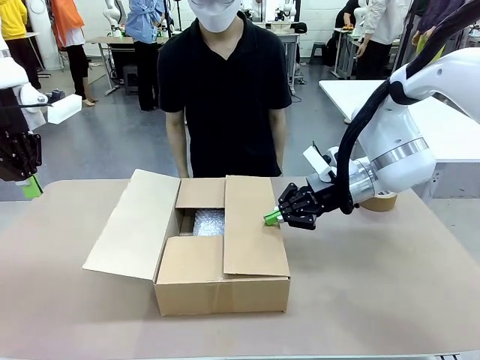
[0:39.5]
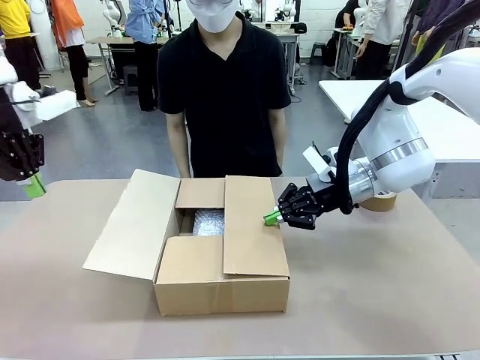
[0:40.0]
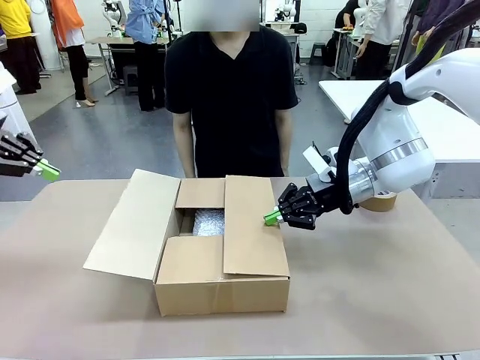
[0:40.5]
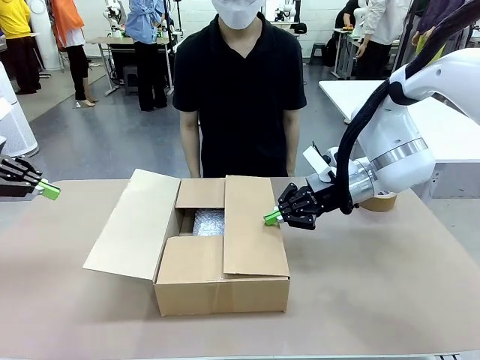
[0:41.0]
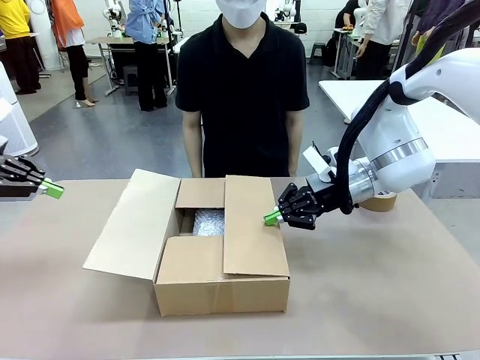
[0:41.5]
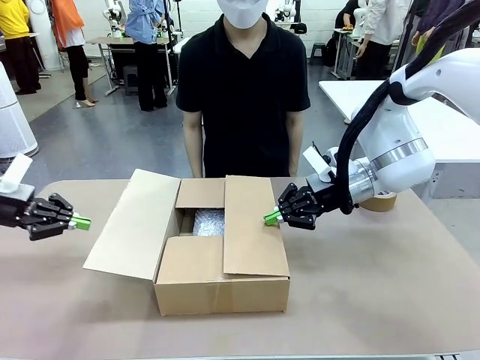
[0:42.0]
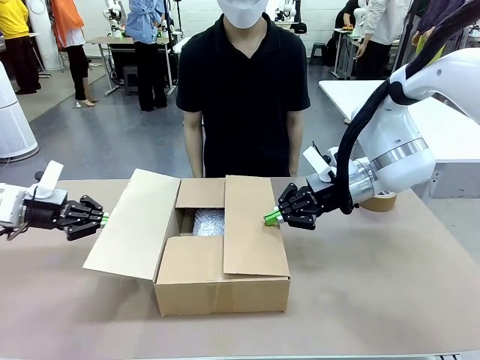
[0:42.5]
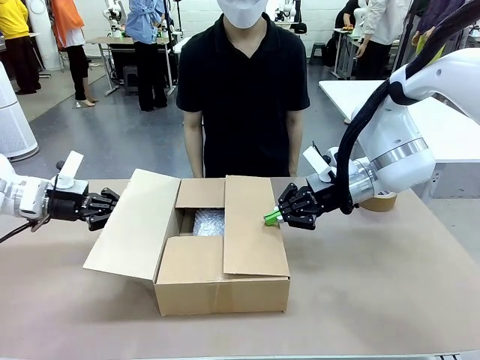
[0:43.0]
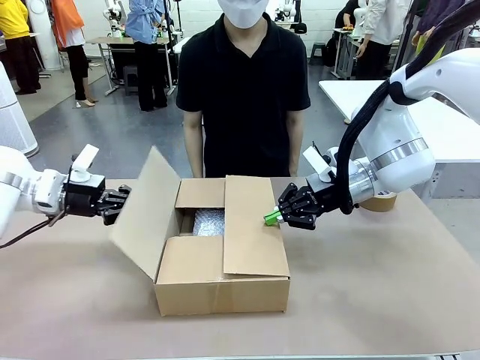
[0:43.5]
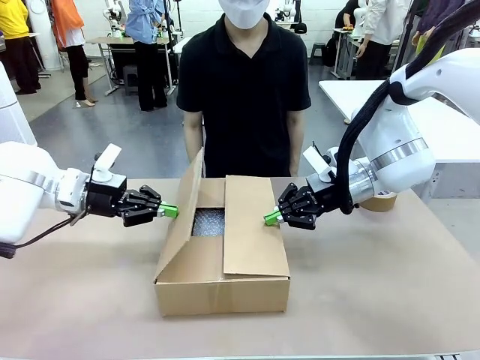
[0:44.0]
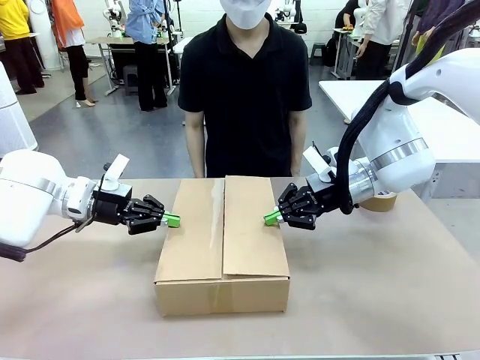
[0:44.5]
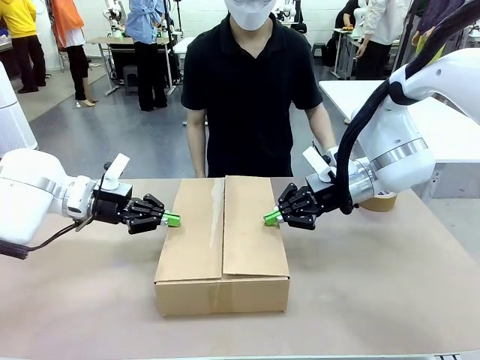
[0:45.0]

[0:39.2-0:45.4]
Task: Wrap the clocks to prevent damage.
Robot: Push the left (or right) flap of the Package Box to close it.

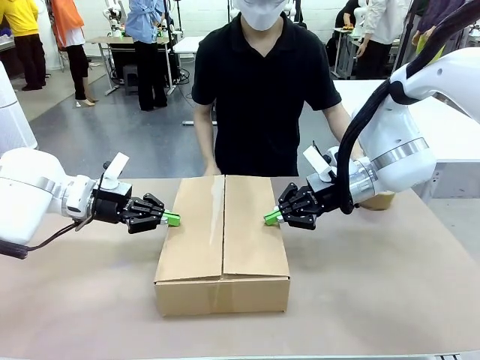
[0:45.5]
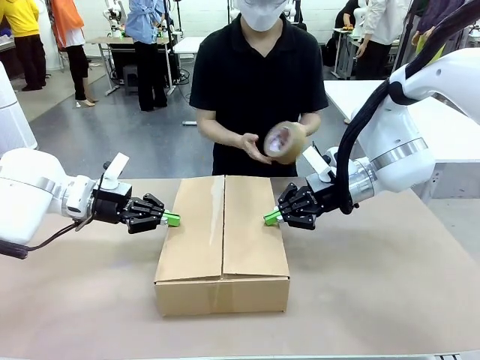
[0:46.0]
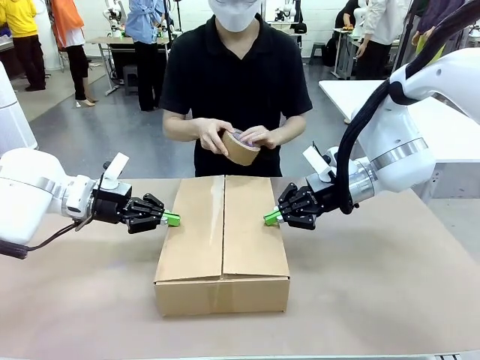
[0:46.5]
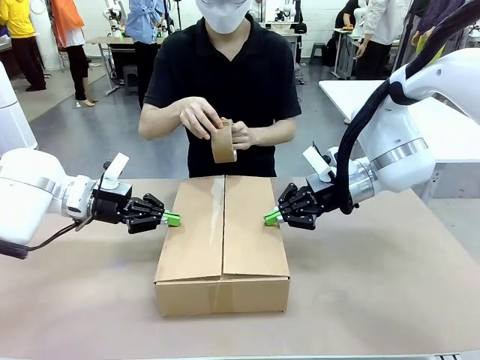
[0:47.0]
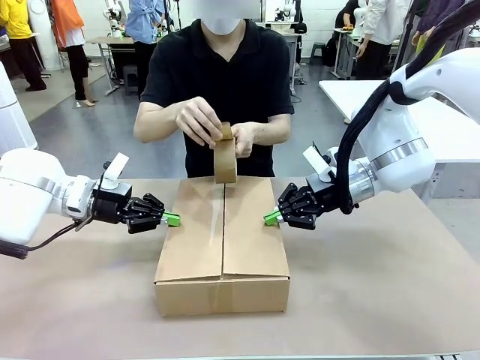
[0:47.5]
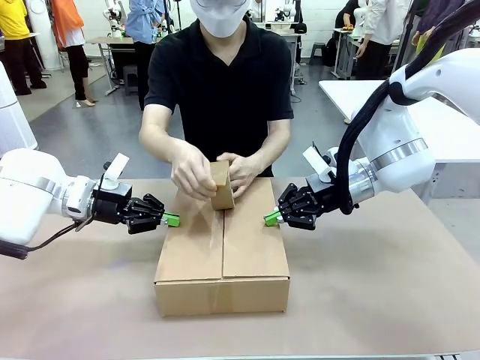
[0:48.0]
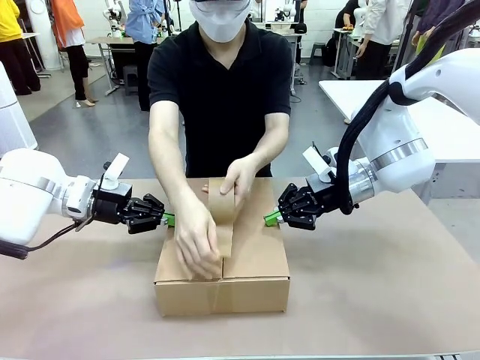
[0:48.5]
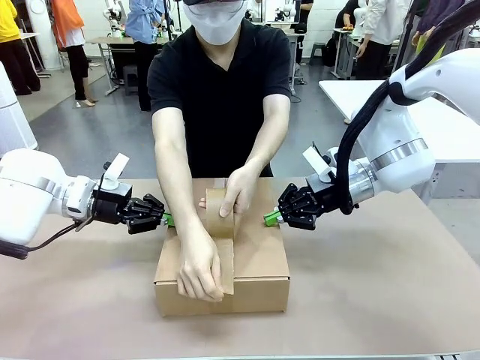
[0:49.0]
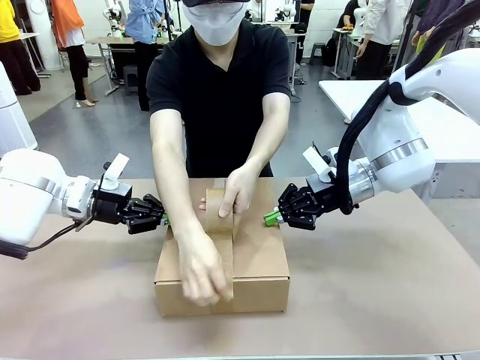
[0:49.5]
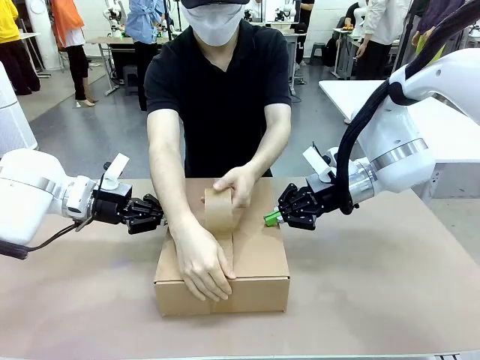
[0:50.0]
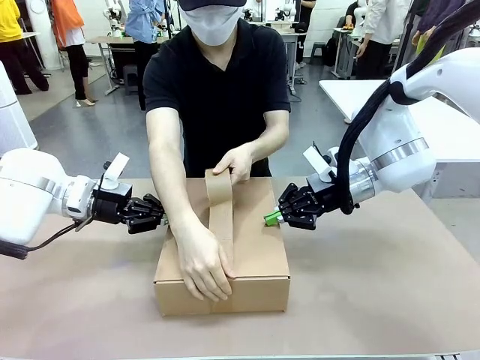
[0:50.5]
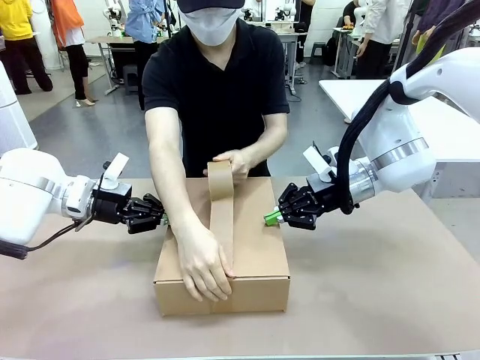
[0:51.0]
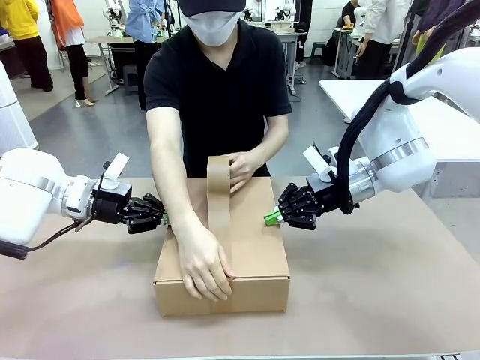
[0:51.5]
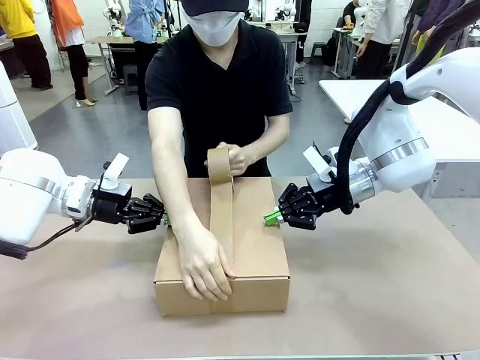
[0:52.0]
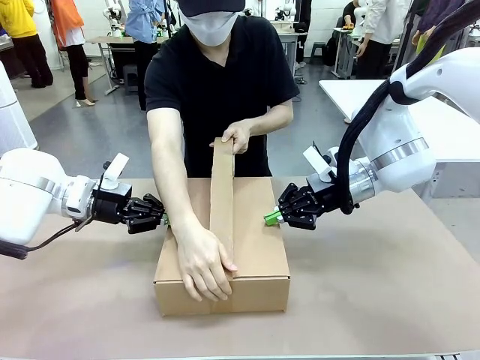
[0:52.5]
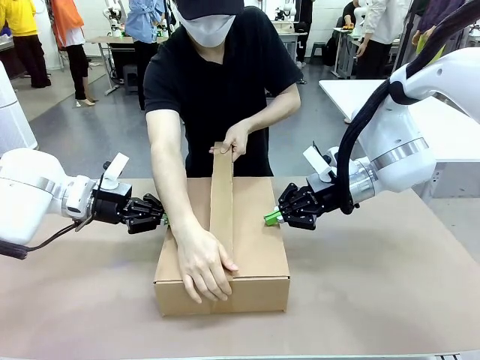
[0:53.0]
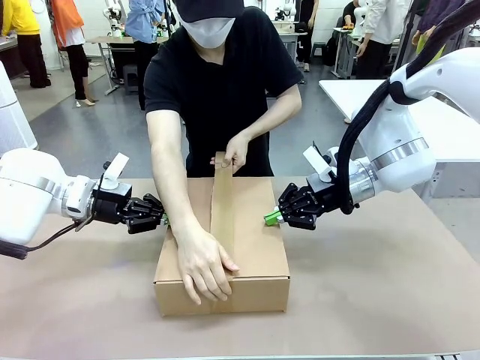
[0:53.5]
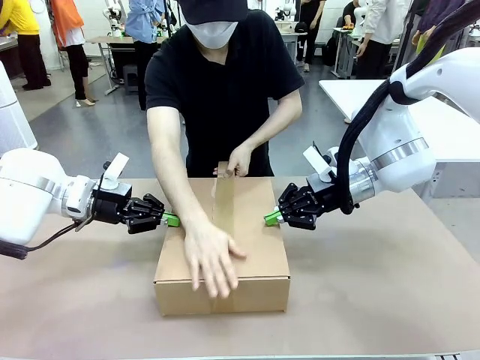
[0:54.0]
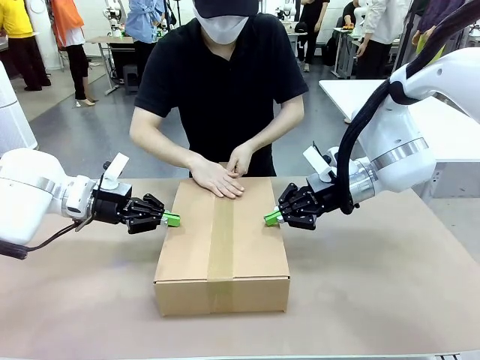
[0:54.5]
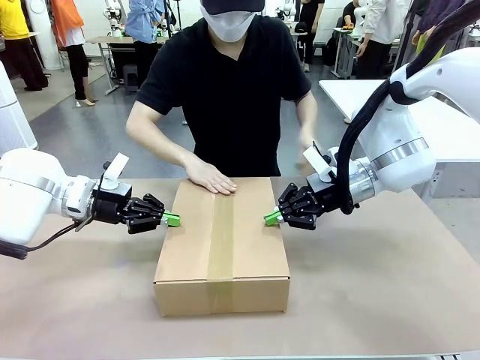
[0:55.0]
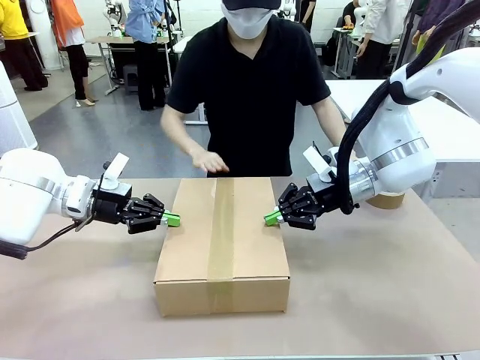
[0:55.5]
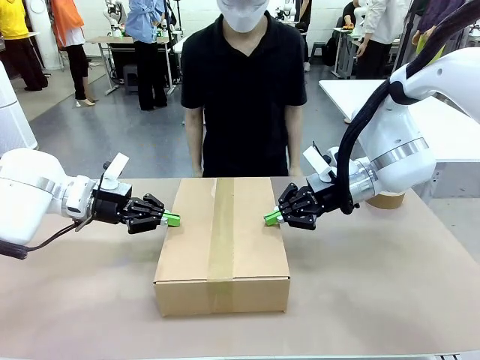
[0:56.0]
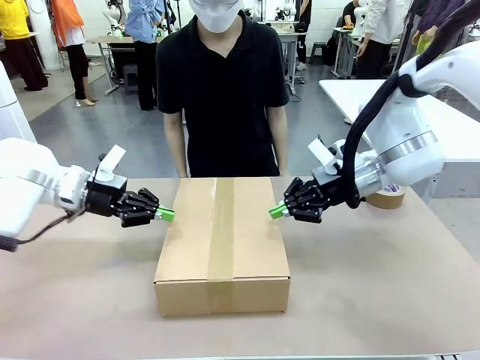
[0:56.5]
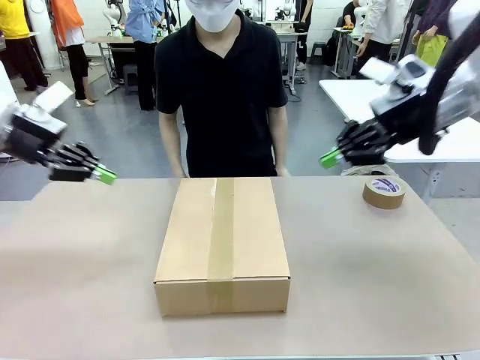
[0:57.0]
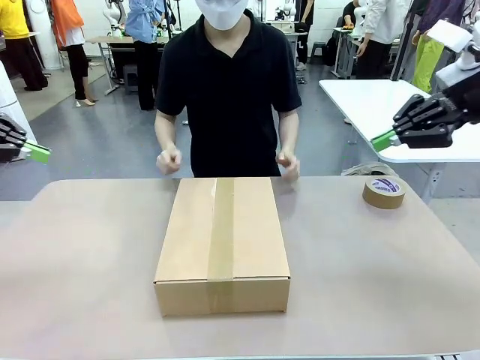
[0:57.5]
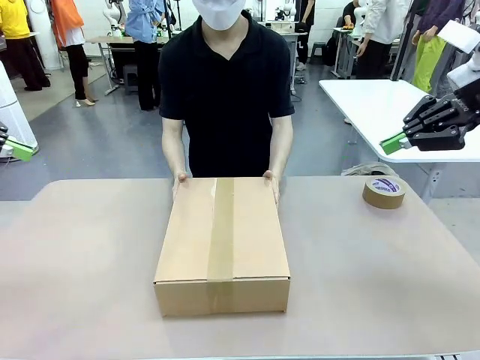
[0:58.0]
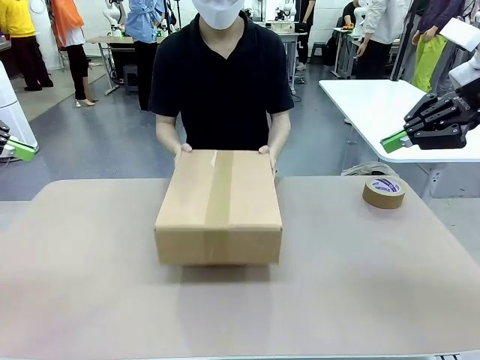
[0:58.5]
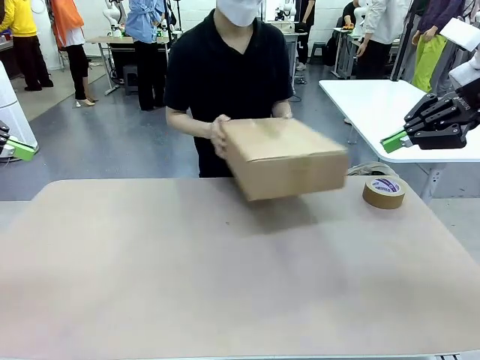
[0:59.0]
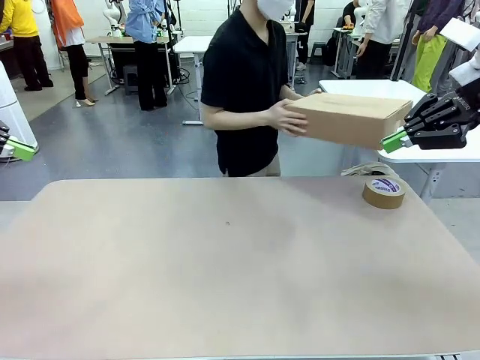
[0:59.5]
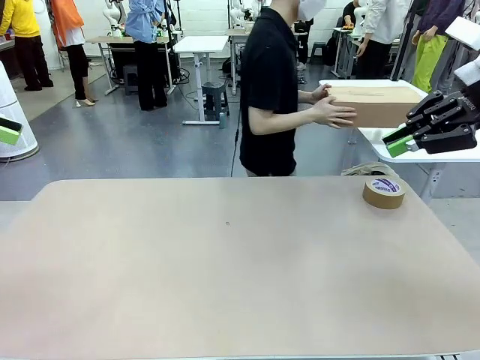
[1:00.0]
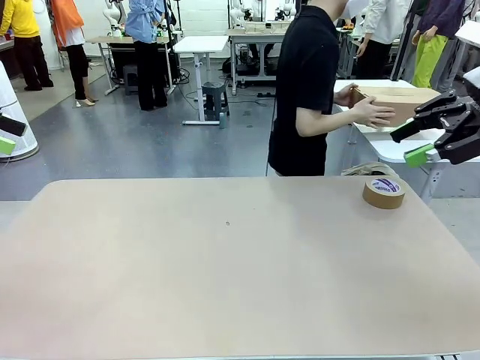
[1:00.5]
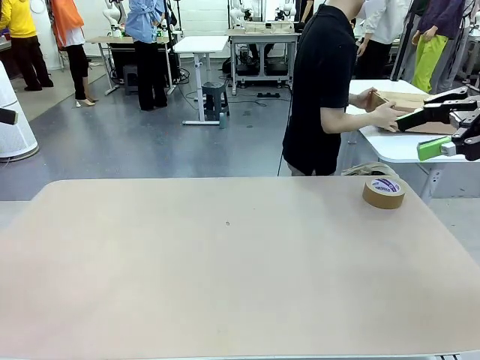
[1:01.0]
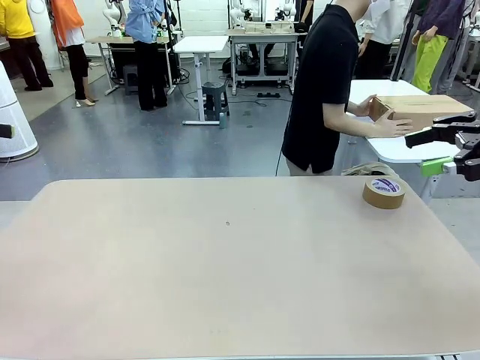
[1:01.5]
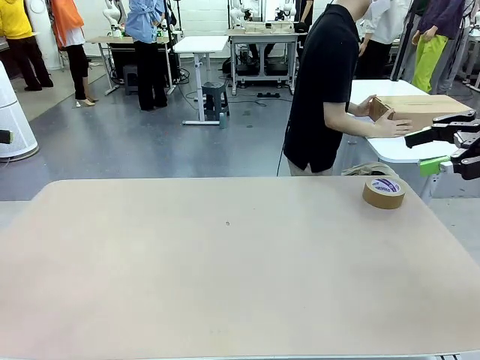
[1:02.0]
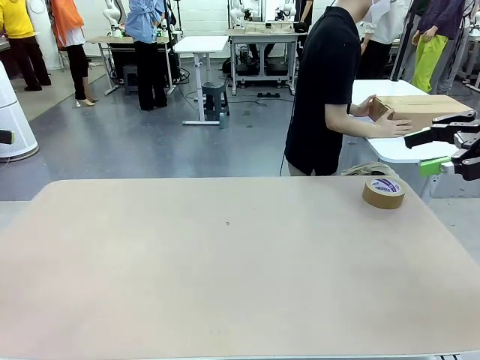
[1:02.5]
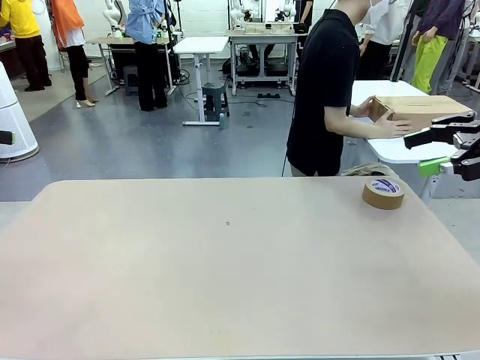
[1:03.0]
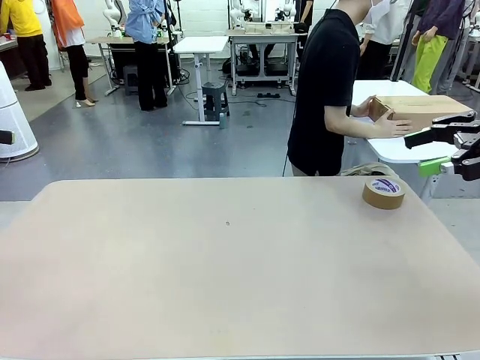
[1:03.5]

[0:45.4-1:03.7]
Robot: After the human seals the box with tape, release both hands from the side flaps of the Package Box.
Person: Once the robot closes the left flap of the Package Box , seal the box with Paper Tape. Place sealed Package Box in the middle of the human's table.

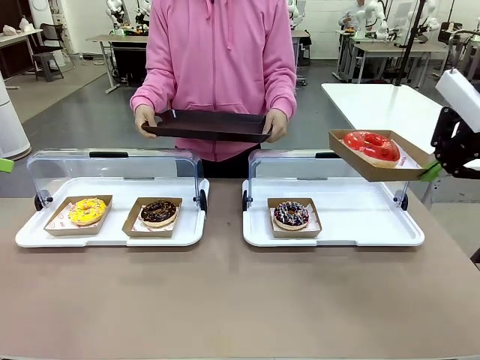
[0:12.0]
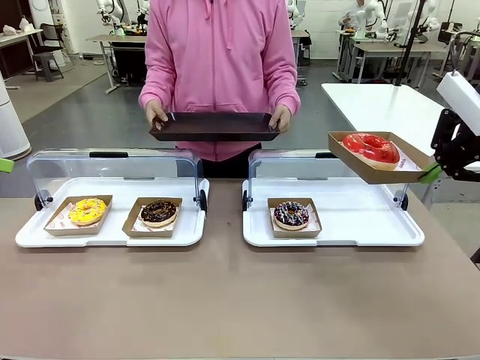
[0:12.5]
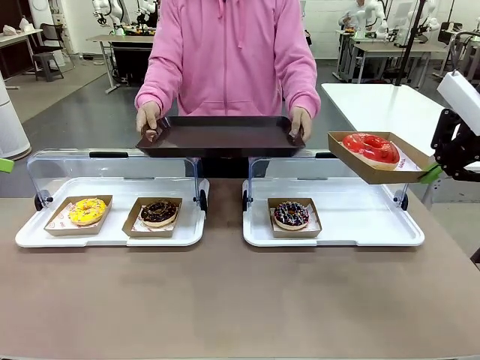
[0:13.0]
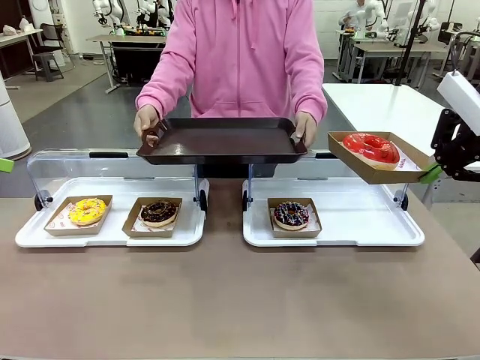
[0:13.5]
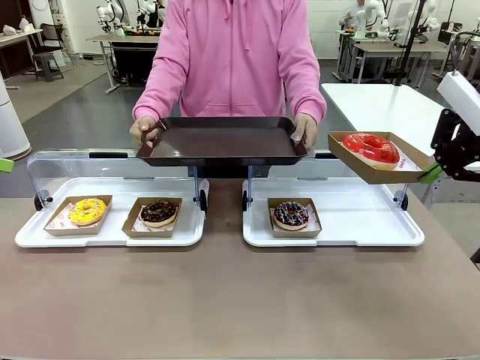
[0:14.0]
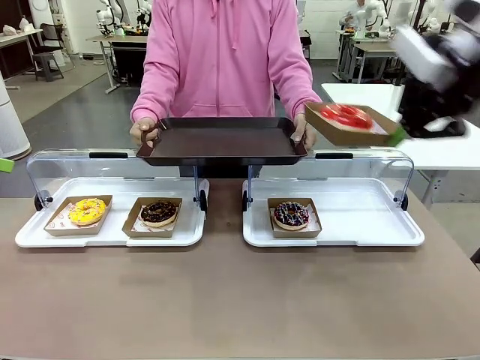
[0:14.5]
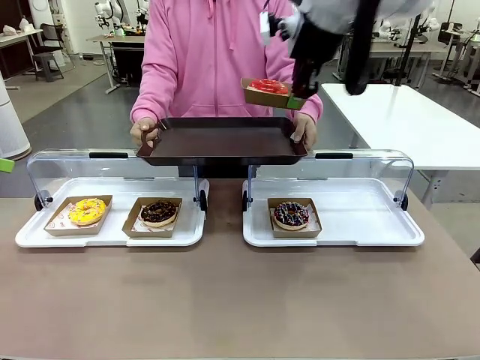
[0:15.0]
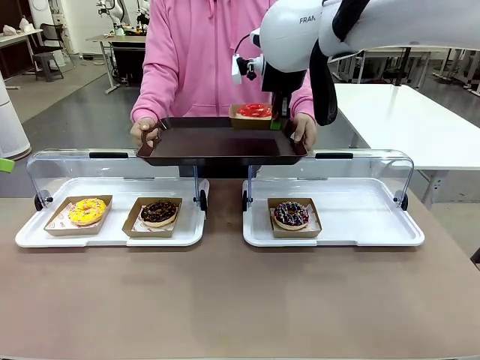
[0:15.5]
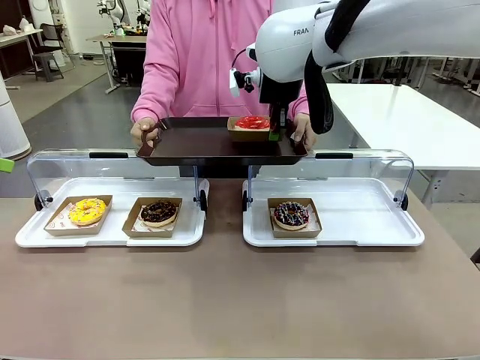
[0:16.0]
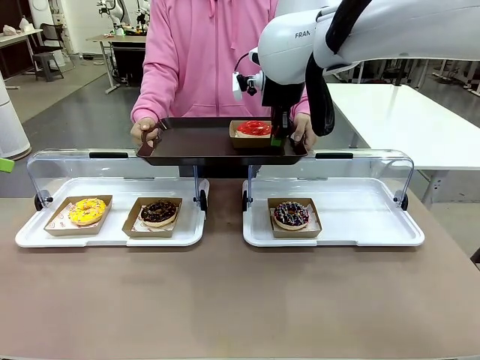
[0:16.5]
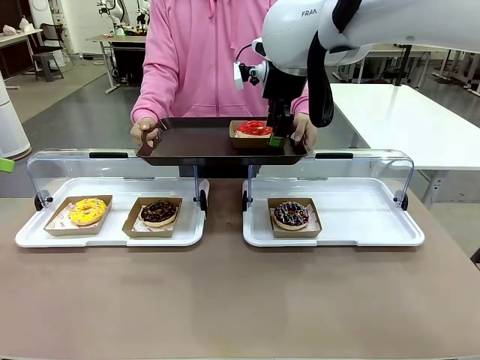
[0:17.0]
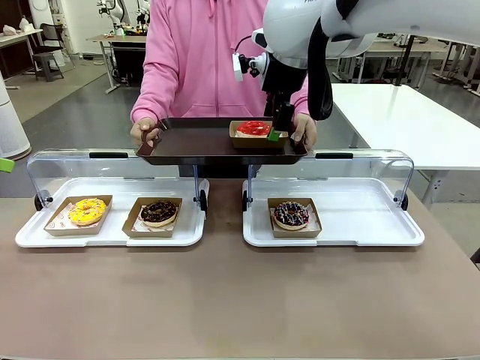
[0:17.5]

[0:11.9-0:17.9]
Task: Provide the desired donut to the person.
Robot: Place the picked Paper togo box onto the Handle tray extended by the person.
